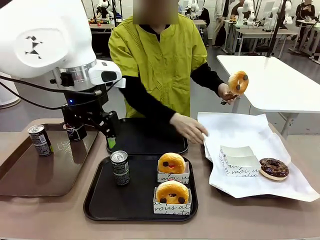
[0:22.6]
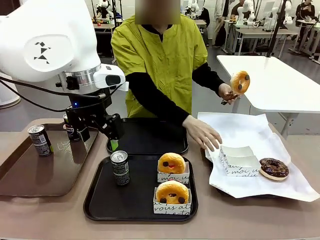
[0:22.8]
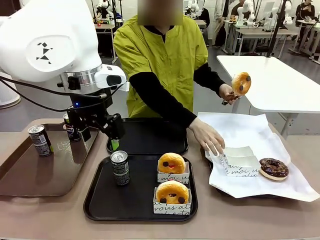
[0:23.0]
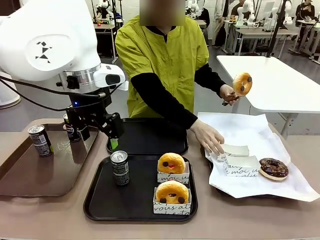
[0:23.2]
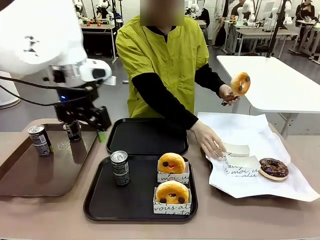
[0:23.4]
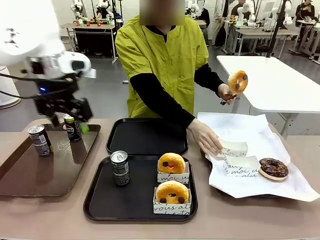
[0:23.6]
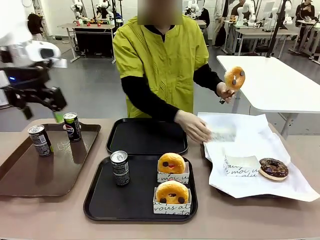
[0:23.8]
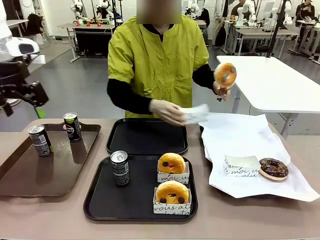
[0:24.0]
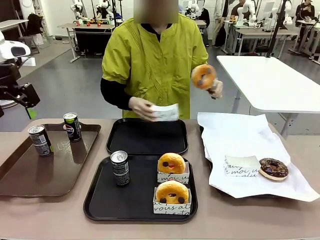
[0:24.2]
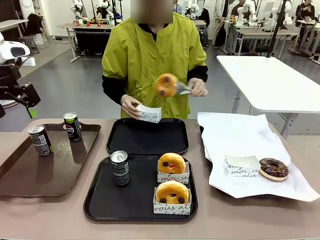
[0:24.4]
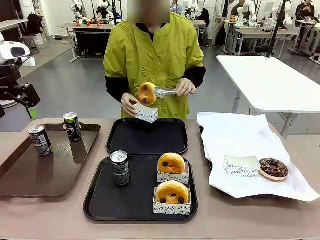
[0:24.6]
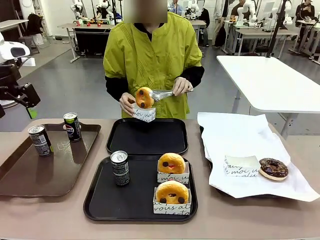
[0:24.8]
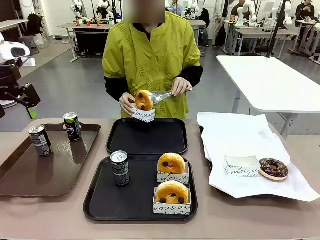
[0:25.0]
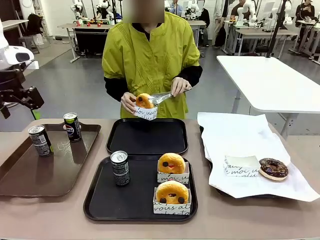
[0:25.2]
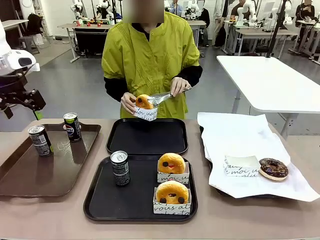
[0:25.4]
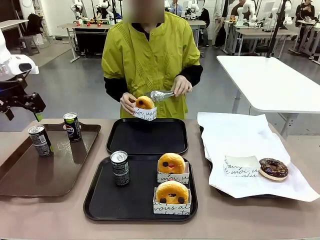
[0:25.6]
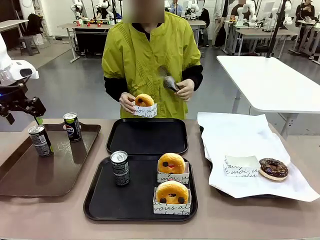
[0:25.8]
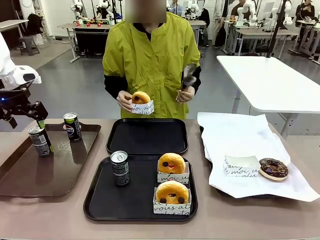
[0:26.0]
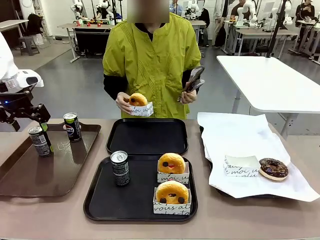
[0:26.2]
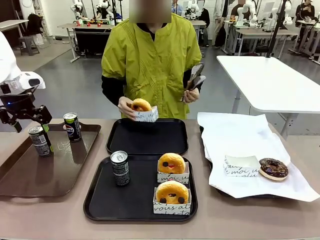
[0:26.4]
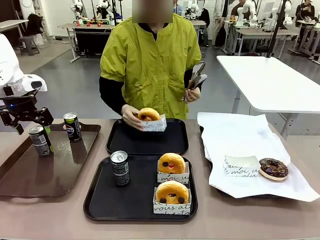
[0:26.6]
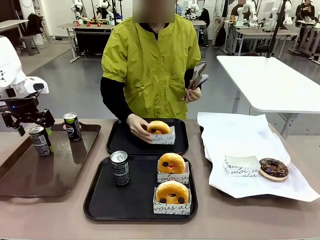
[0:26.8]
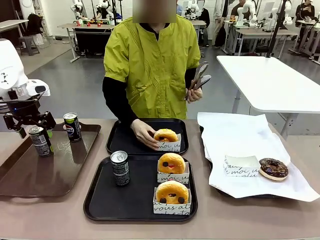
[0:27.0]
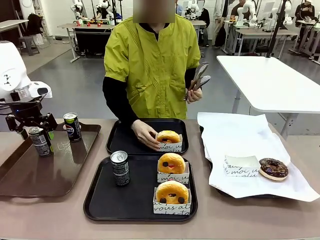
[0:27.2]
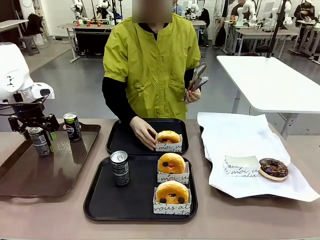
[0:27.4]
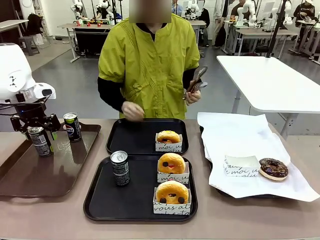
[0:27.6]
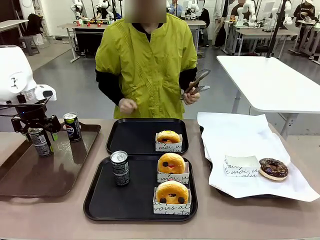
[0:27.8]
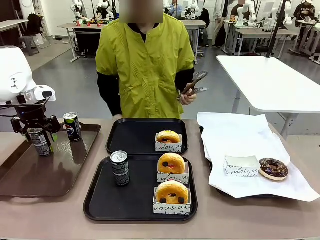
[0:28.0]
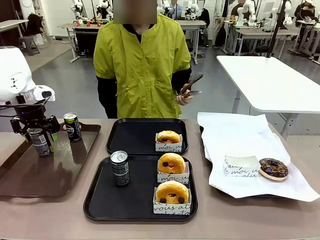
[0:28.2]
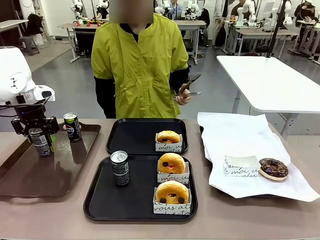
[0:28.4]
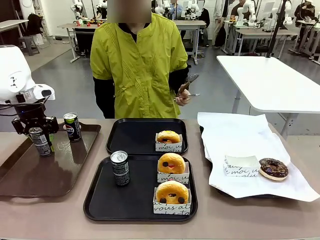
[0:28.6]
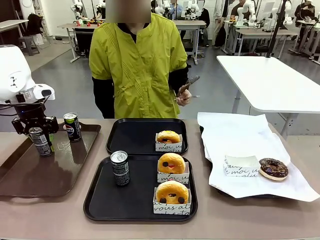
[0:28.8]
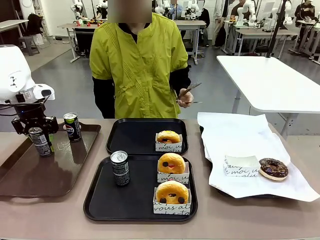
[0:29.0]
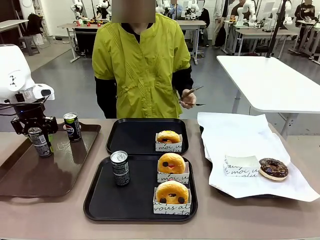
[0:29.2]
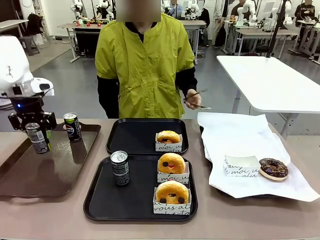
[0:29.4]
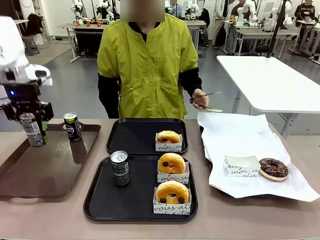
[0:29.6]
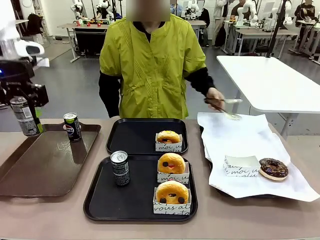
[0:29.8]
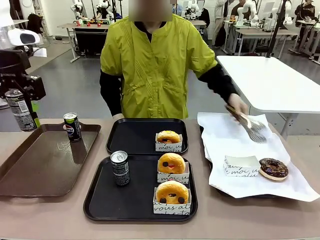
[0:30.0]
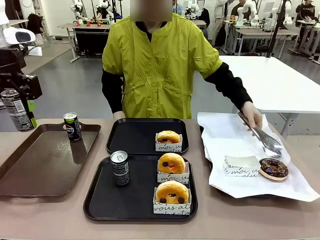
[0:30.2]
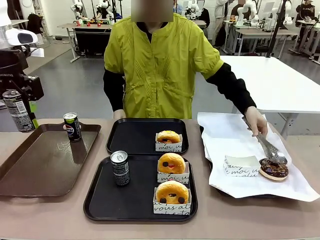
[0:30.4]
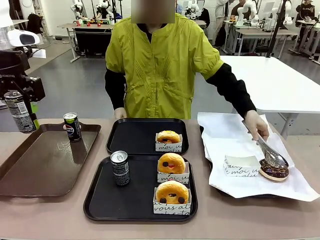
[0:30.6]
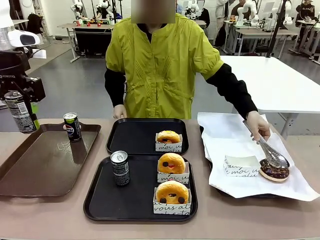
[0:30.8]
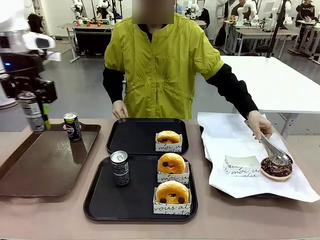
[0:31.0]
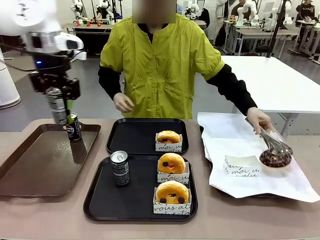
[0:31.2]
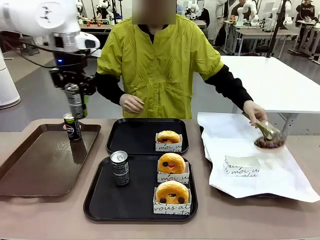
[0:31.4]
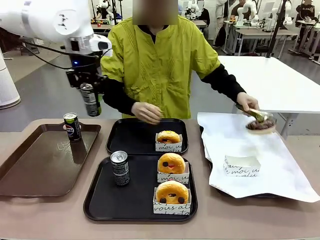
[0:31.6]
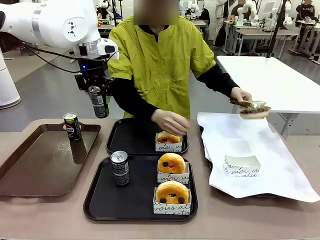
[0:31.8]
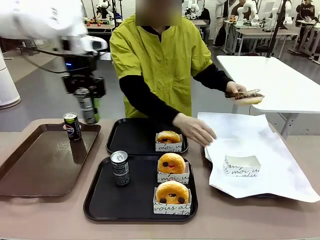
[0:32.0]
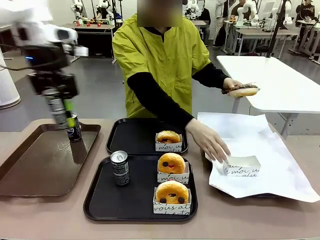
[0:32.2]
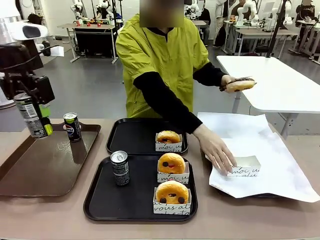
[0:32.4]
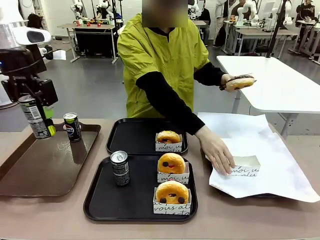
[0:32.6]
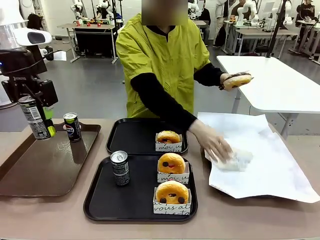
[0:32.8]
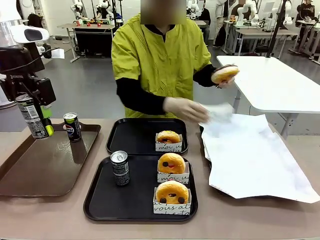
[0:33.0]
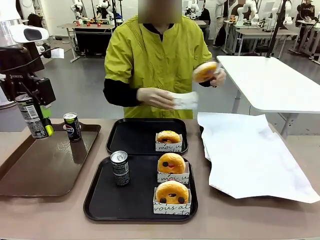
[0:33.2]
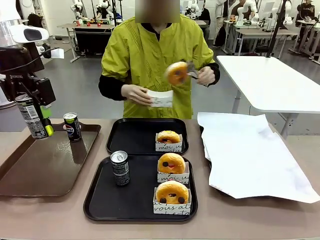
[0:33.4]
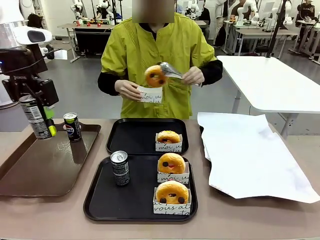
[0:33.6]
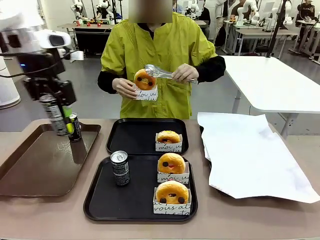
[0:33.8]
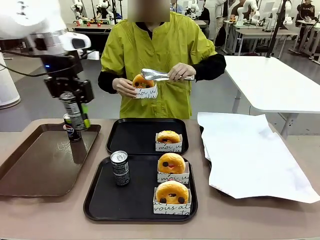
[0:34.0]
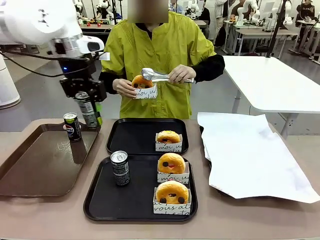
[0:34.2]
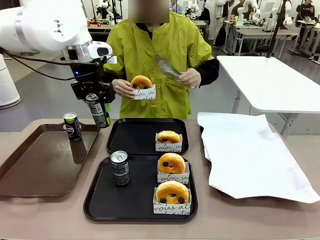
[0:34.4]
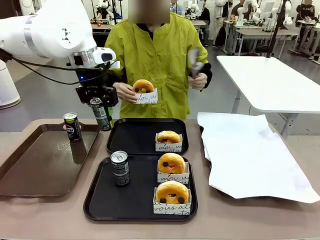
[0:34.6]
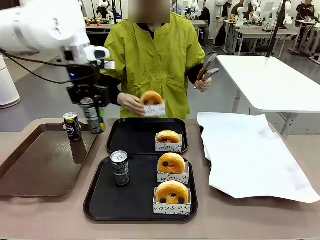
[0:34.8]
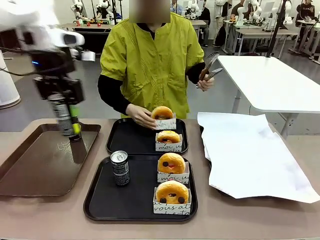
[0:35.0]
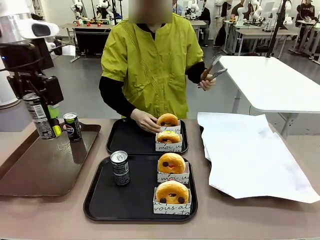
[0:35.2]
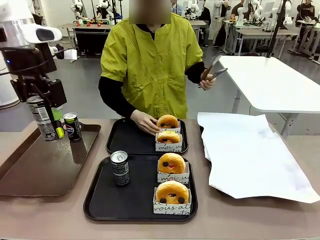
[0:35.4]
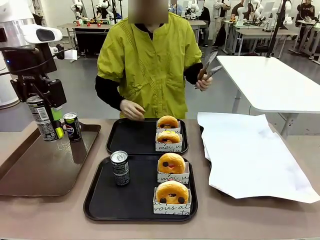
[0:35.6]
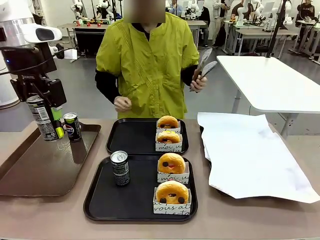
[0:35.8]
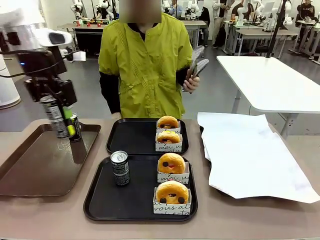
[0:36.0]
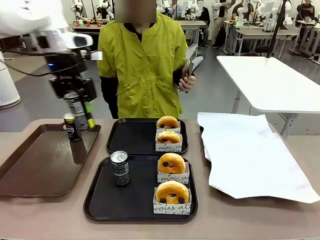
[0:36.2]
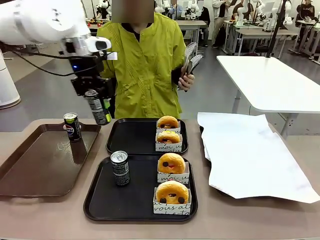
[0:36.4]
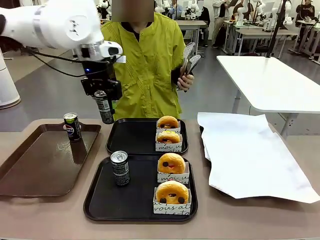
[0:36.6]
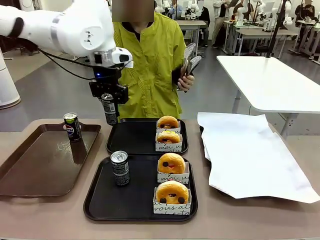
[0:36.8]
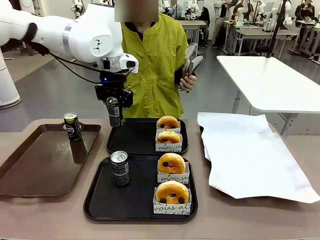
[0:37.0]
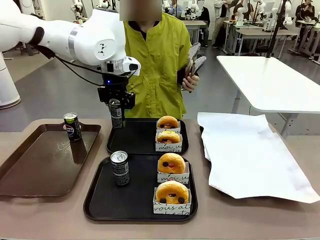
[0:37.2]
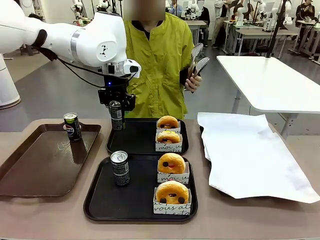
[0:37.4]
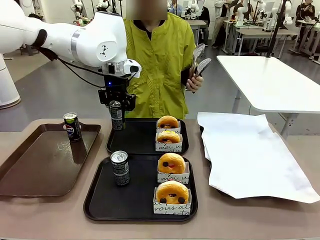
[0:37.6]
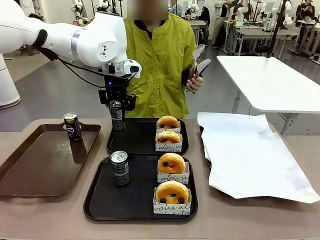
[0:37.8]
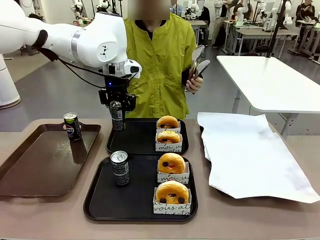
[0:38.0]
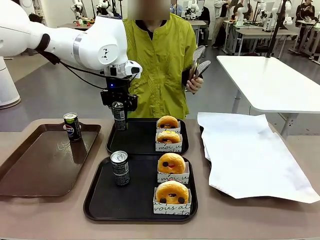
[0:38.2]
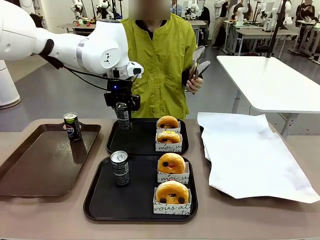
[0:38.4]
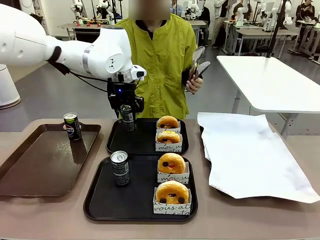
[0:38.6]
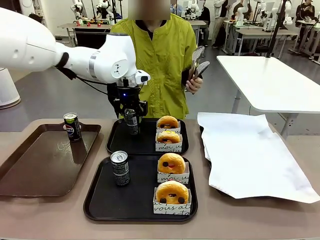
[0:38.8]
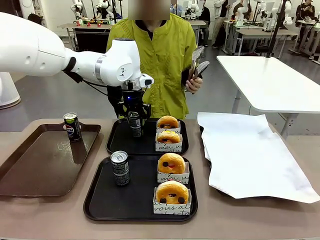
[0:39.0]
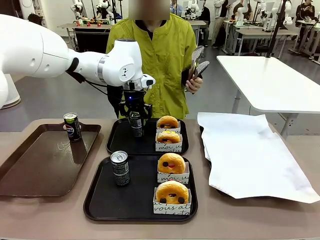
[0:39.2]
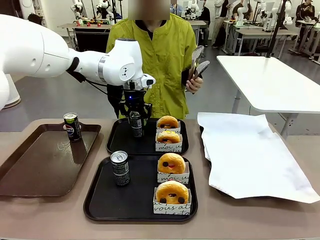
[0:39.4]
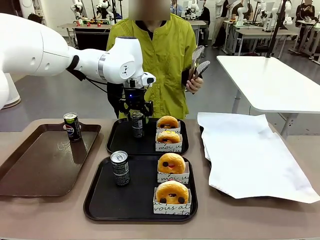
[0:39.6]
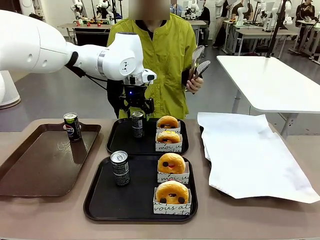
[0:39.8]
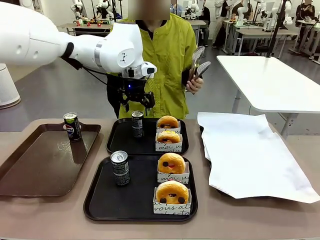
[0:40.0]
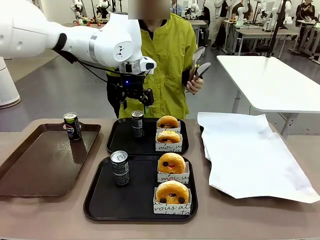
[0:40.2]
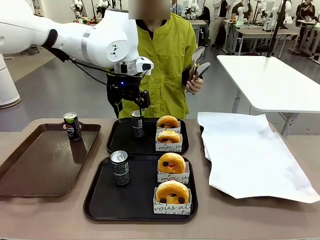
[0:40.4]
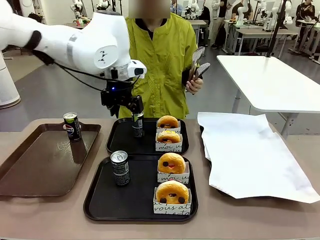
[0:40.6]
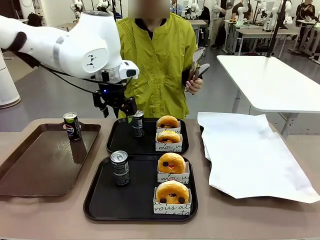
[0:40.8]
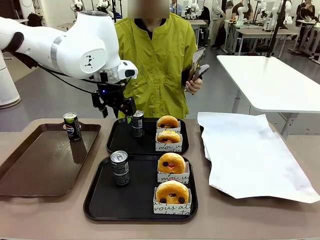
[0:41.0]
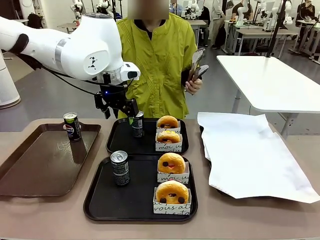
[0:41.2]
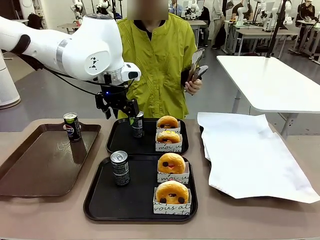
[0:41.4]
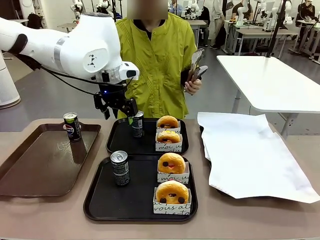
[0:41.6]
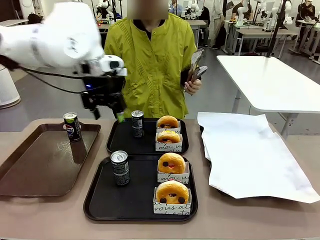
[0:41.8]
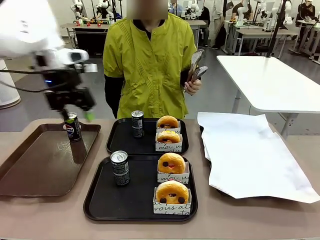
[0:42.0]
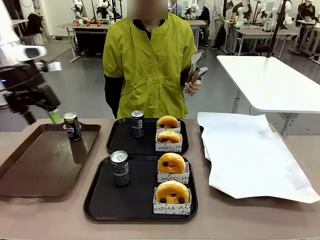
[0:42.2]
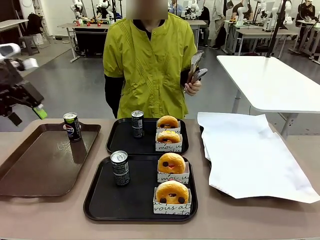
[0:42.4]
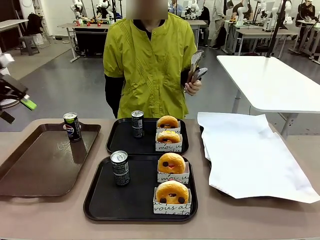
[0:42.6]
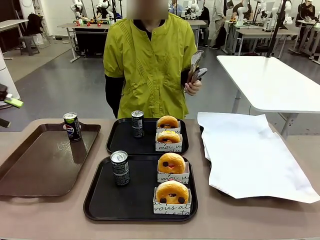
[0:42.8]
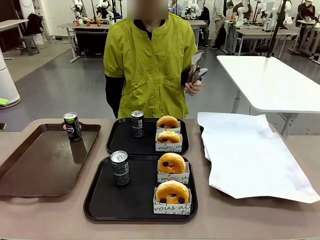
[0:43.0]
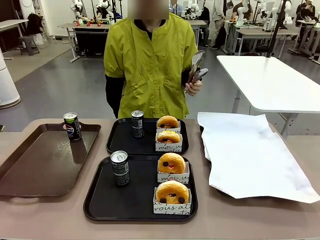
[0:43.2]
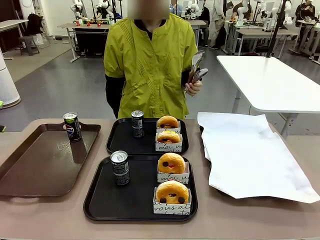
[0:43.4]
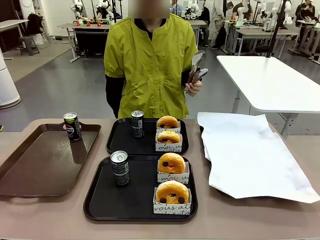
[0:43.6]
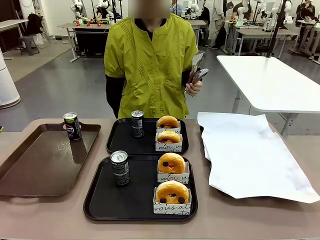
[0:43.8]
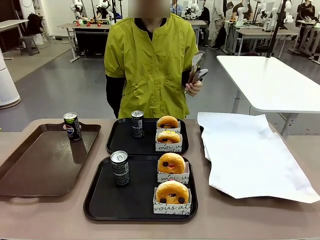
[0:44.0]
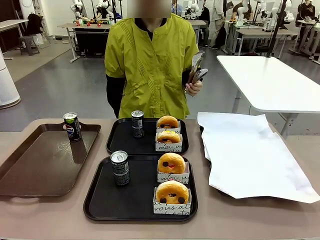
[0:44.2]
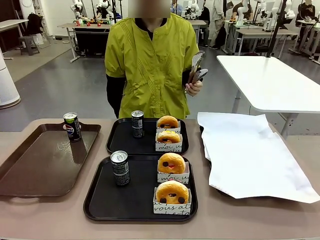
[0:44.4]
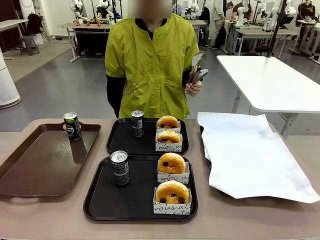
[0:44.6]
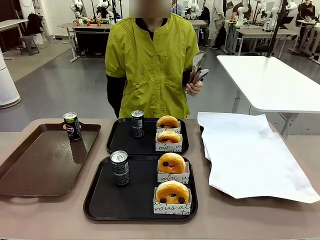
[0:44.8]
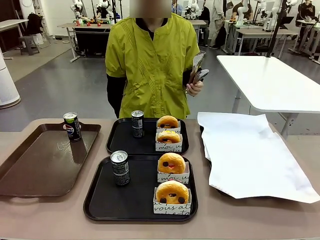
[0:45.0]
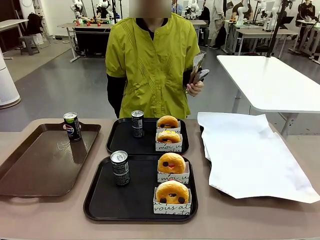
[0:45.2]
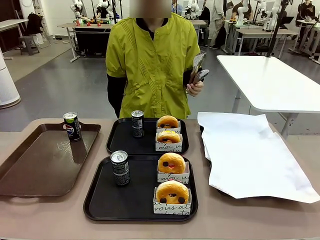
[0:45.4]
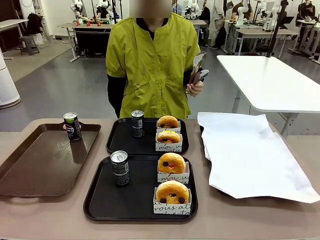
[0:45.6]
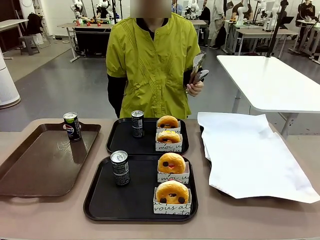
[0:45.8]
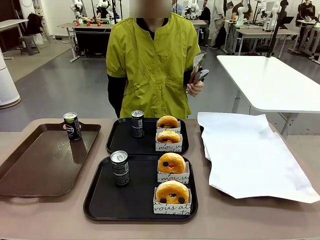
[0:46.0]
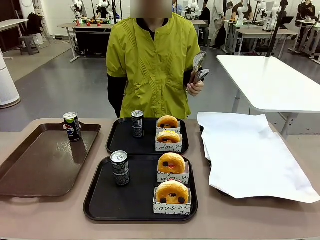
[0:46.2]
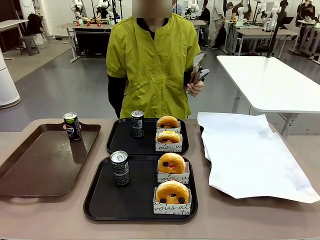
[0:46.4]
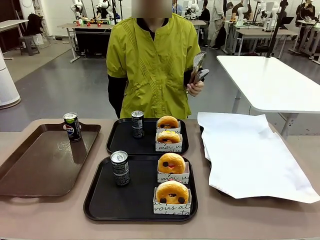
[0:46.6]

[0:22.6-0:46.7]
Task: Set up donuts and drinks on trays.
Robot: Pick up one Pepsi coke from the Handle tray and place it on the Flat Tray without a Pepsi coke.
Person: Pick up one donut with tongs, place it in the donut tray, and then place the donut tray on the flat tray.
